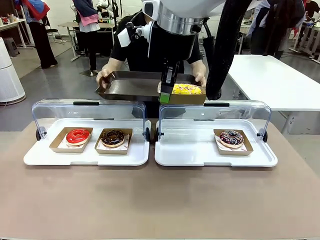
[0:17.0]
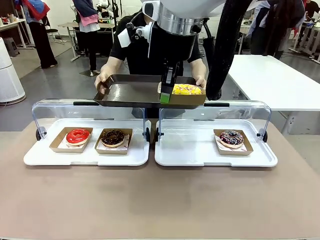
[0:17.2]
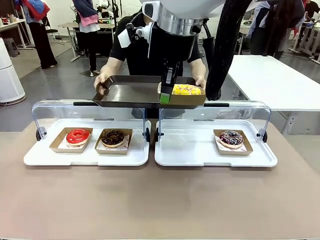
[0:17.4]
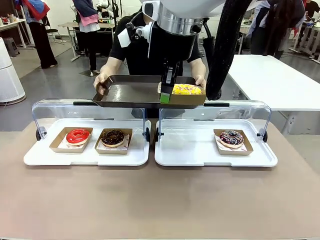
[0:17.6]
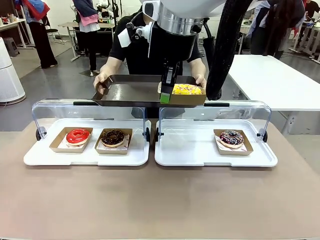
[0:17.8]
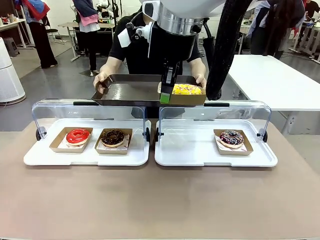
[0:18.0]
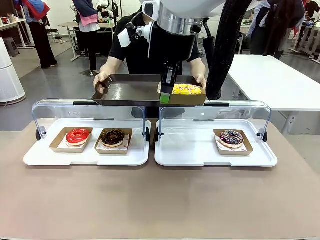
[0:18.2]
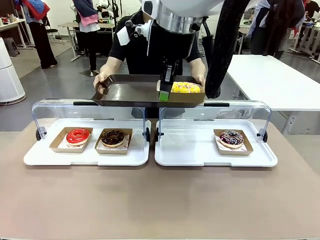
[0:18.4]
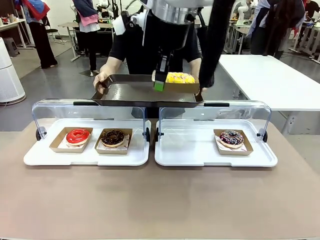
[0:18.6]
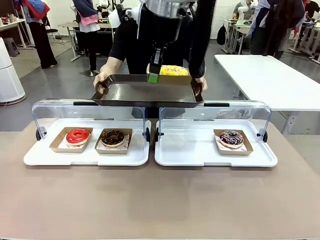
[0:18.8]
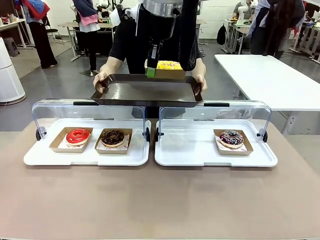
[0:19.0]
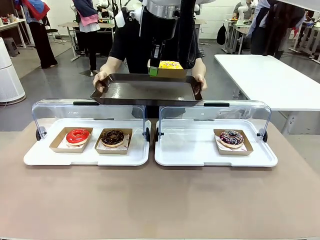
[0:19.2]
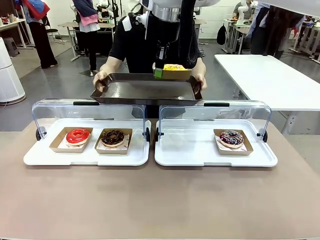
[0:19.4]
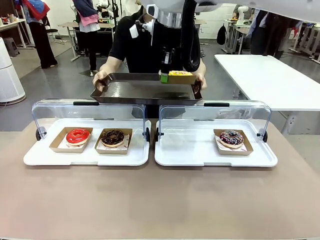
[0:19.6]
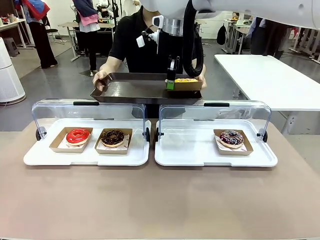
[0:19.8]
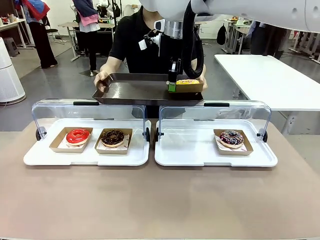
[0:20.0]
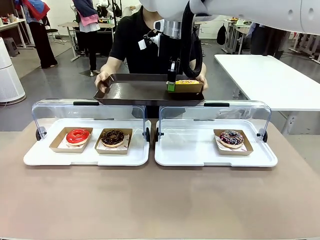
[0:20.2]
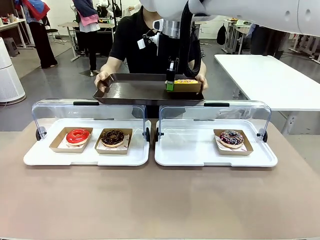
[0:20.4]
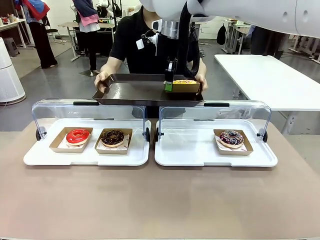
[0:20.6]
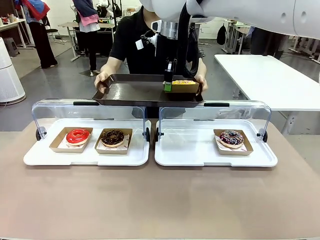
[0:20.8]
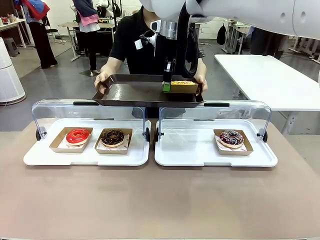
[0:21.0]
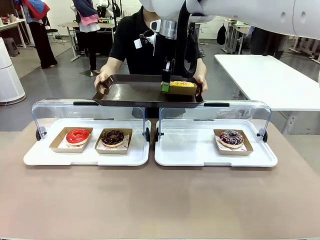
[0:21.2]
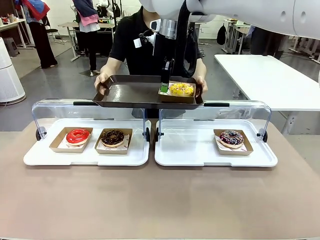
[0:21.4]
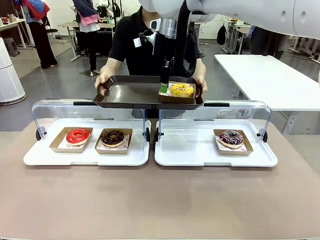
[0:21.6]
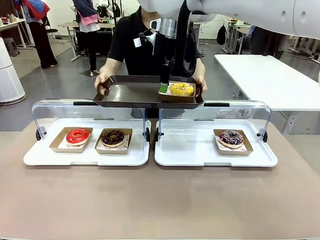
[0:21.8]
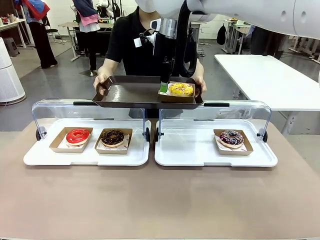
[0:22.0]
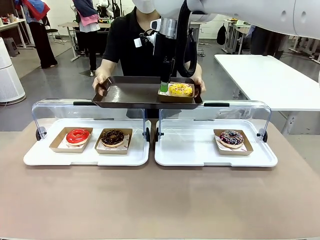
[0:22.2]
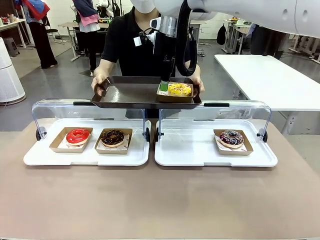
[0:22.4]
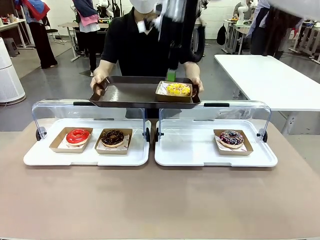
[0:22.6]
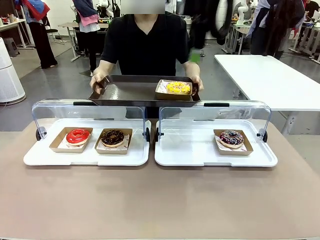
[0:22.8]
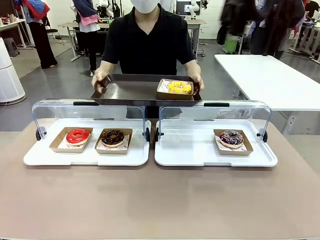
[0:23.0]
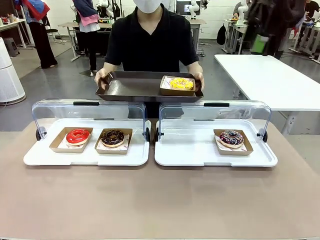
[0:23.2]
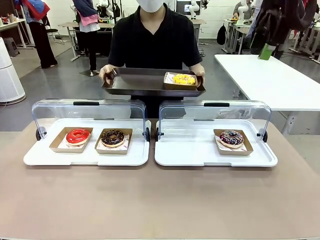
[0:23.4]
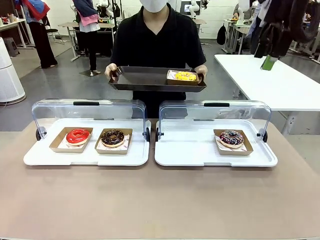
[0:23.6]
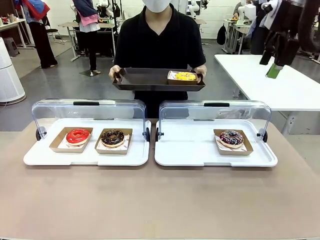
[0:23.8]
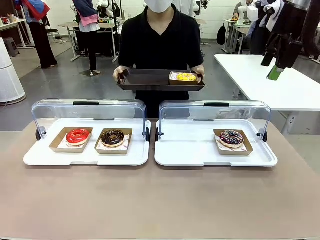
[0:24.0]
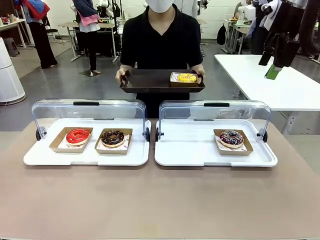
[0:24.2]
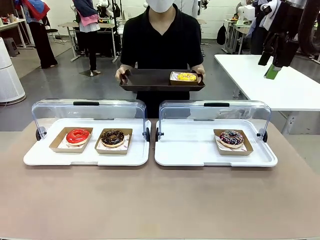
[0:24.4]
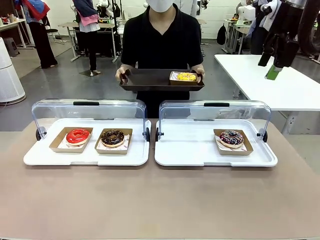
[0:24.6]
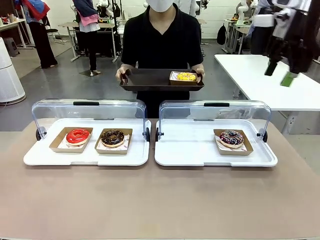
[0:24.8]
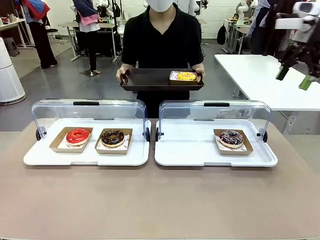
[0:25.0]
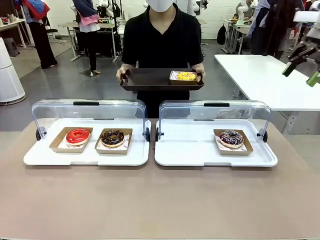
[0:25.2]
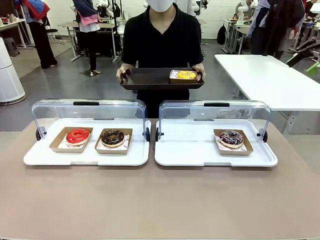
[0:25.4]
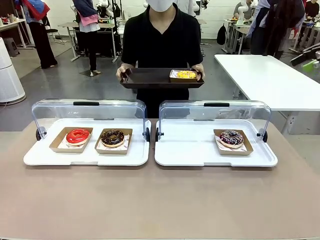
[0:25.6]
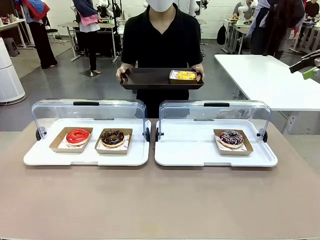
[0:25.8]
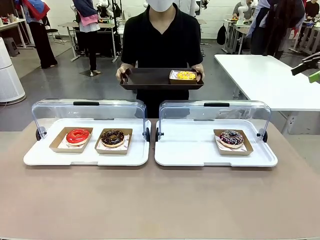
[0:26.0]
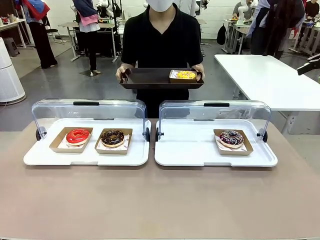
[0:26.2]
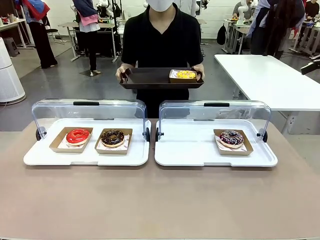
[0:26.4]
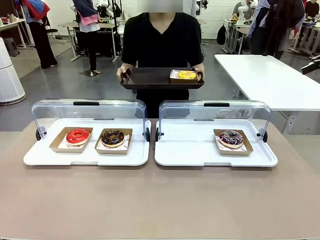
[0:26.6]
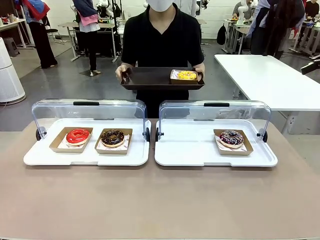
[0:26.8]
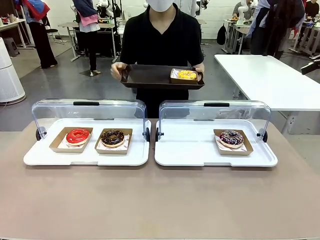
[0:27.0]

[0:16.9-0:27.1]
Task: Provide the desired donut to the person.
Robot: Place the picked Paper togo box onto the Handle tray extended by the person.
Person: Point to one donut.

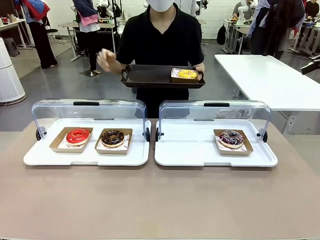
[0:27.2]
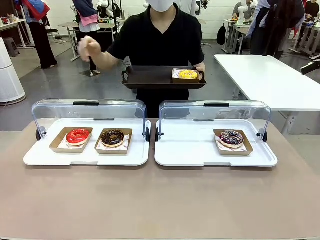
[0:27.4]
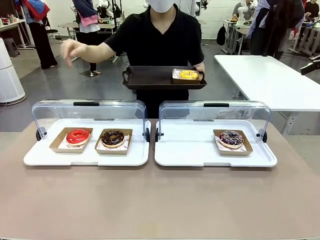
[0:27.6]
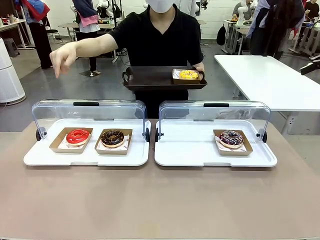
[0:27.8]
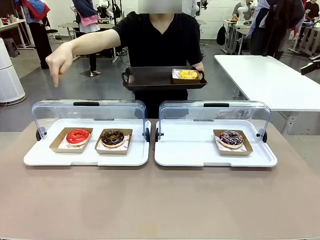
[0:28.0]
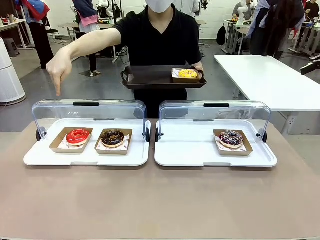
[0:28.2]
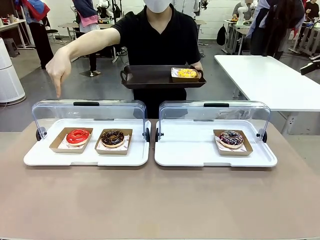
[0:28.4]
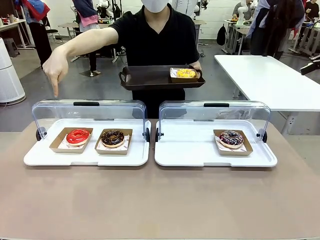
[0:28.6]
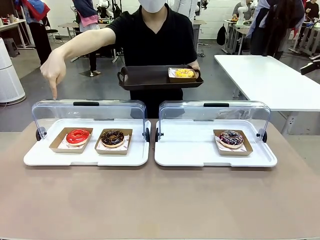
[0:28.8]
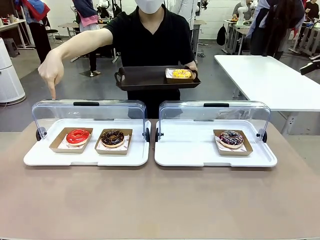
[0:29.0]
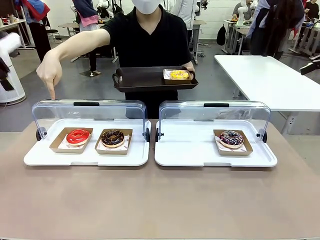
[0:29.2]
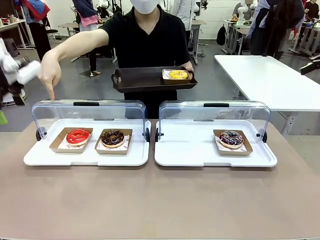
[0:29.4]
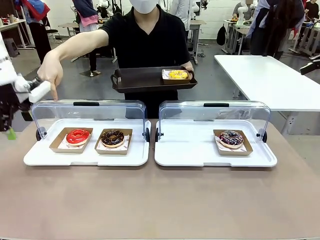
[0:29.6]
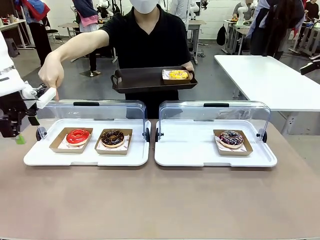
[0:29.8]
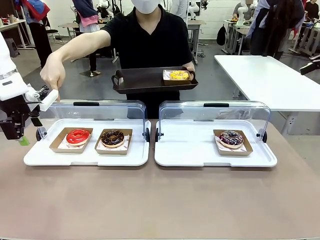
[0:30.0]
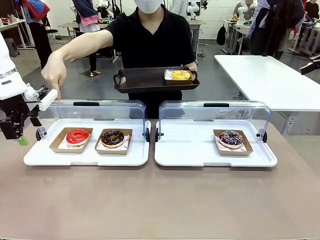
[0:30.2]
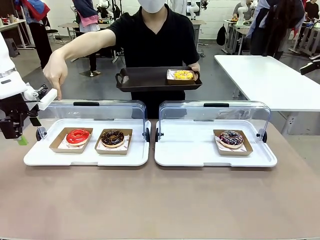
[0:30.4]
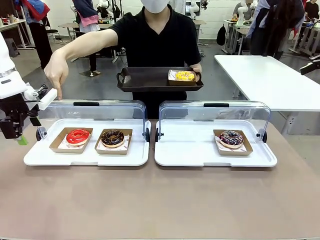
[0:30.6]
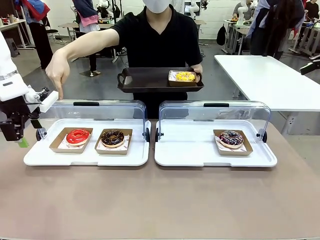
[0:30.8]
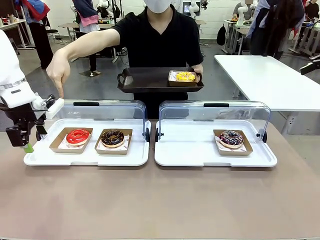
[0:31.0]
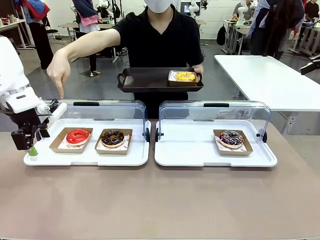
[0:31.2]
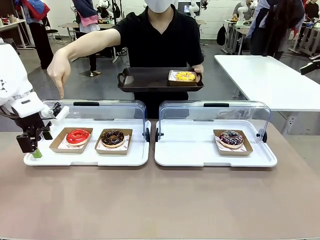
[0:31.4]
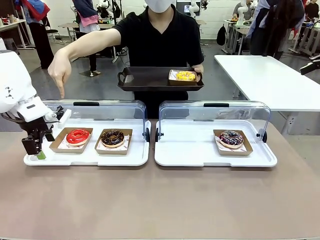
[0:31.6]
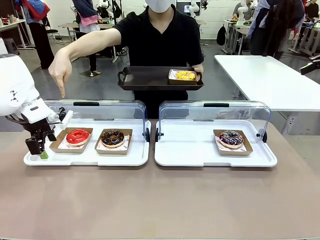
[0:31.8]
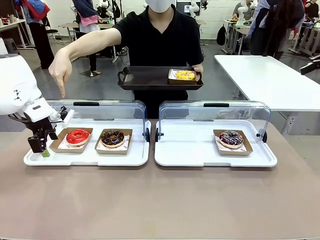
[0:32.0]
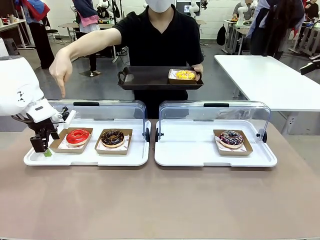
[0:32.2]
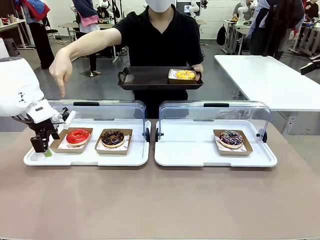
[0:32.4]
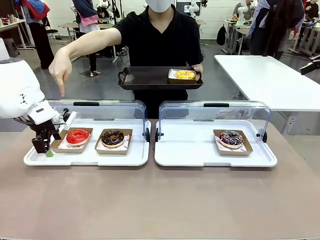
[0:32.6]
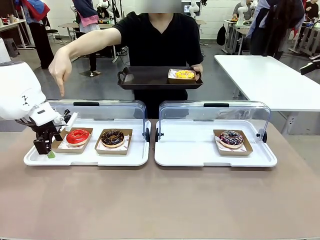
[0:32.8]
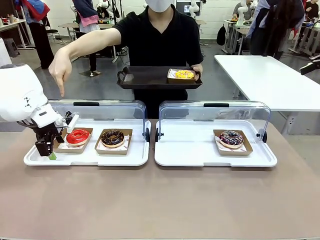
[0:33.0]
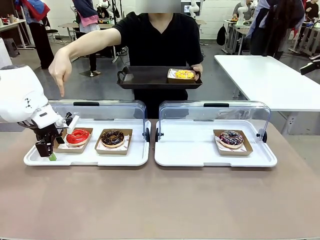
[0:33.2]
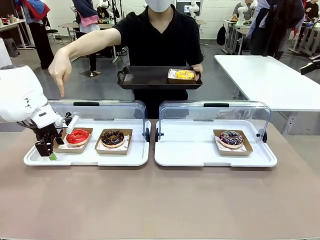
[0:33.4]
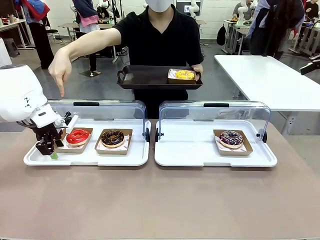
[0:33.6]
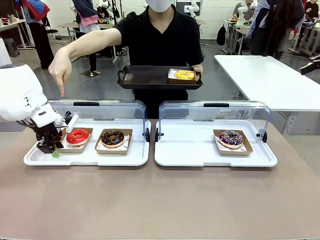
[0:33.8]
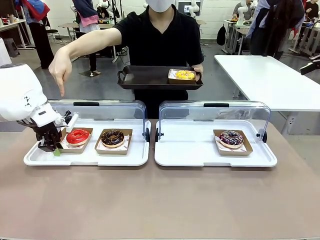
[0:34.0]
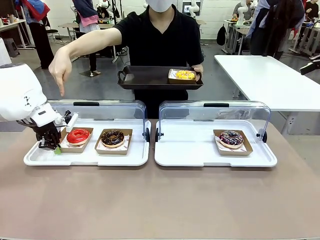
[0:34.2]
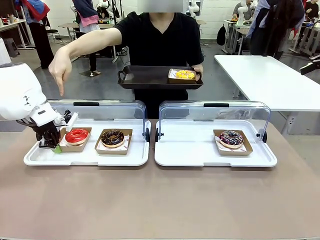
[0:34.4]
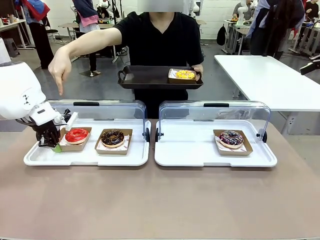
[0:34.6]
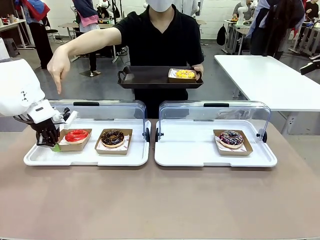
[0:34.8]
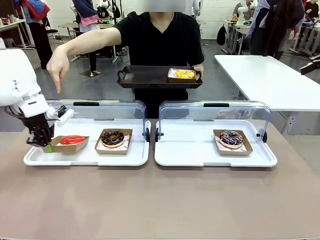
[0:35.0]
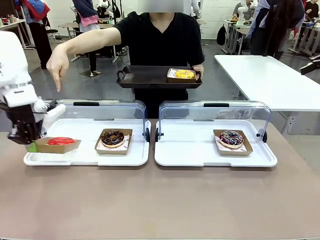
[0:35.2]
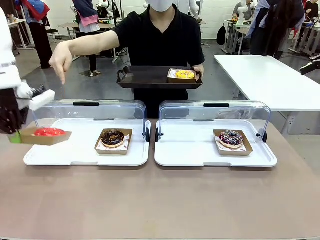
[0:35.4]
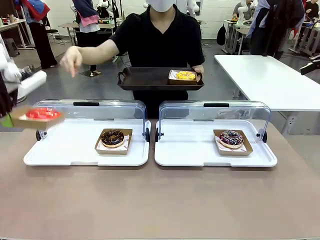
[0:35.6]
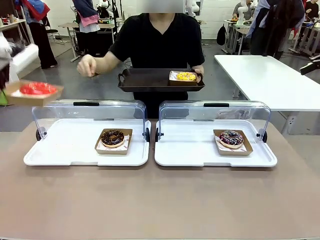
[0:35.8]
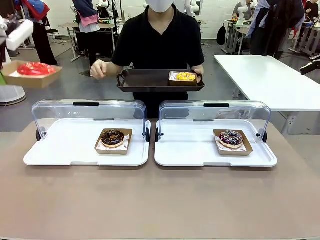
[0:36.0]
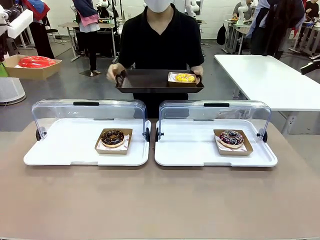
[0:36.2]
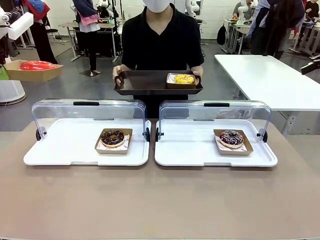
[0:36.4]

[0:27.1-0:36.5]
Robot: Pick up and lift the Paper togo box containing the Donut pointed at by the person.
Person: Lift the tray onto the Roll-Top Bakery Case.
